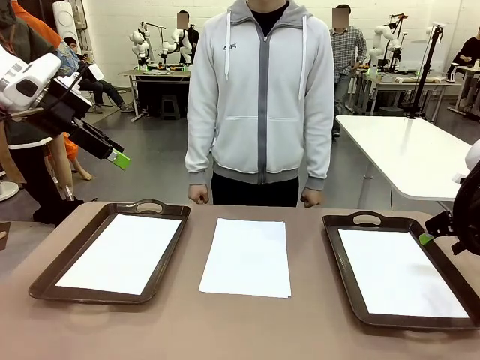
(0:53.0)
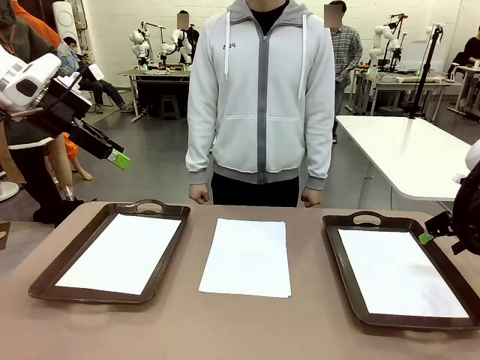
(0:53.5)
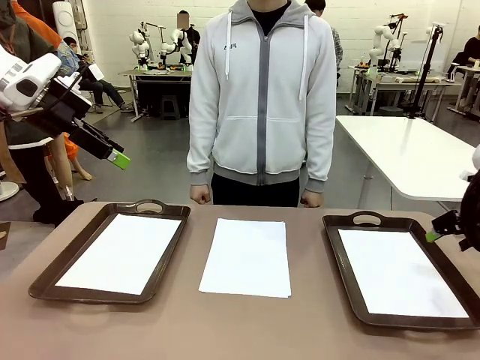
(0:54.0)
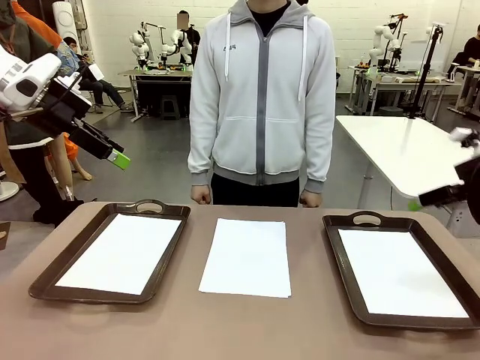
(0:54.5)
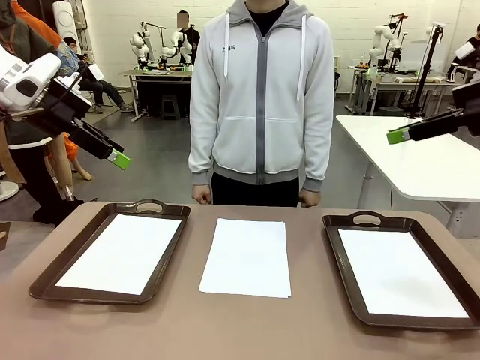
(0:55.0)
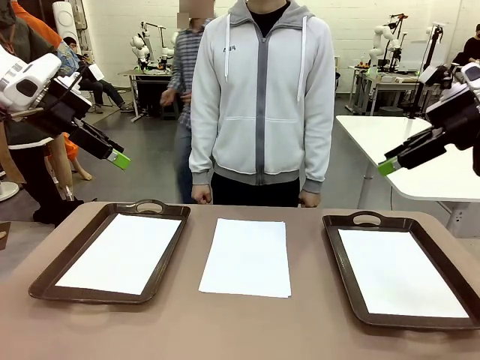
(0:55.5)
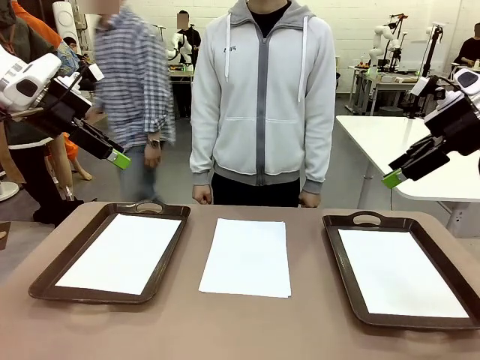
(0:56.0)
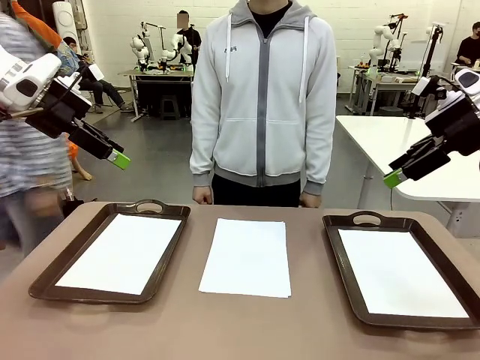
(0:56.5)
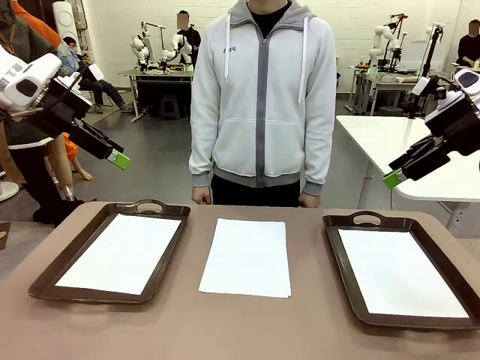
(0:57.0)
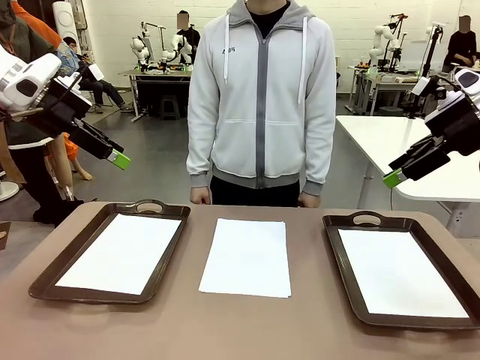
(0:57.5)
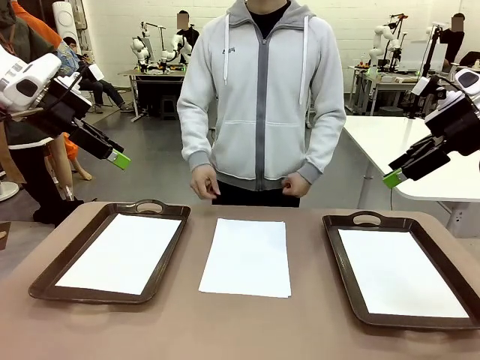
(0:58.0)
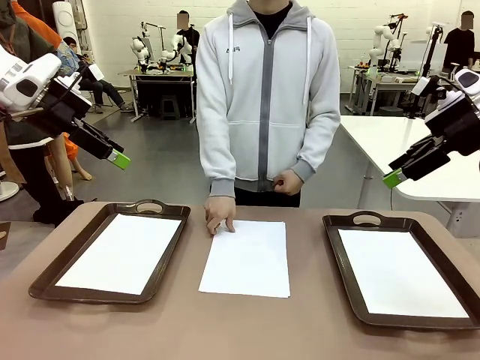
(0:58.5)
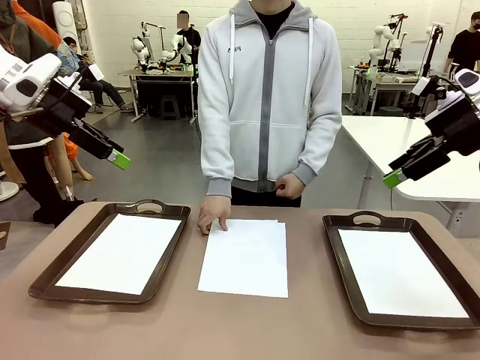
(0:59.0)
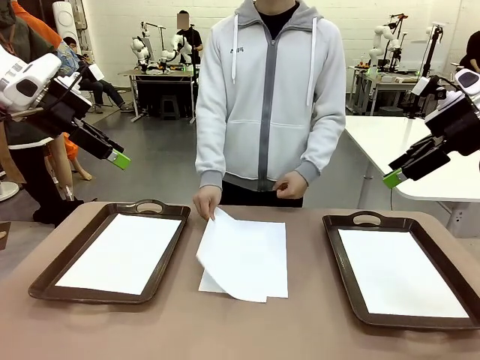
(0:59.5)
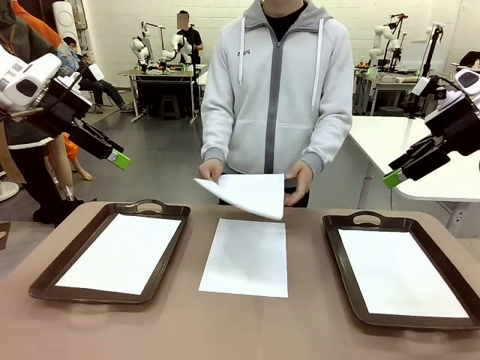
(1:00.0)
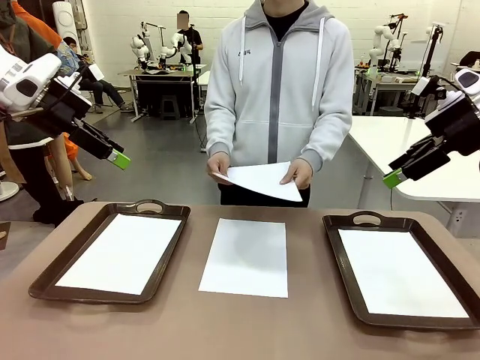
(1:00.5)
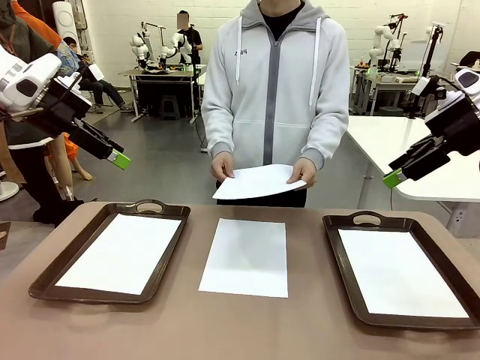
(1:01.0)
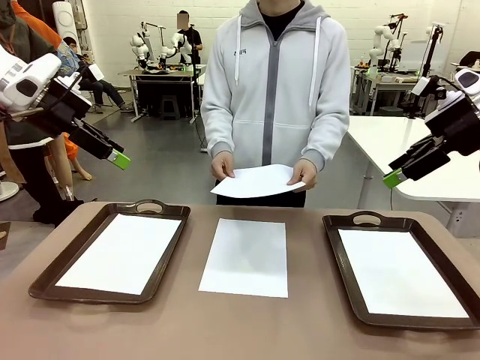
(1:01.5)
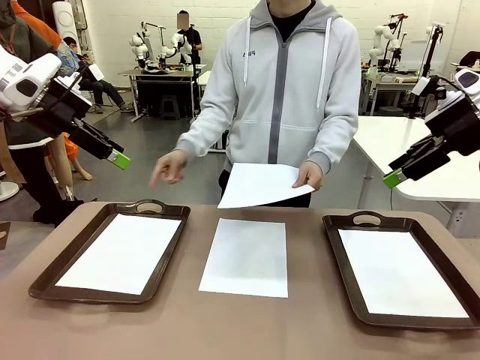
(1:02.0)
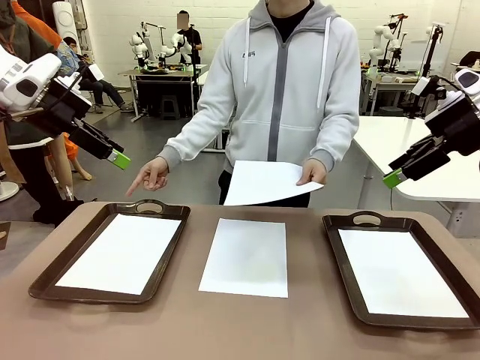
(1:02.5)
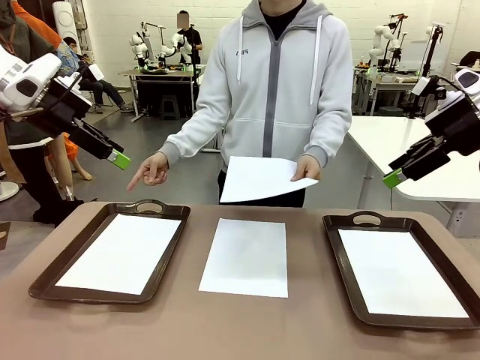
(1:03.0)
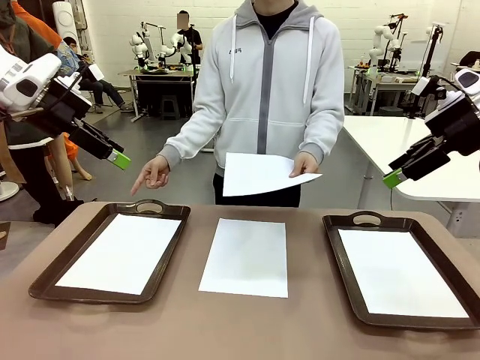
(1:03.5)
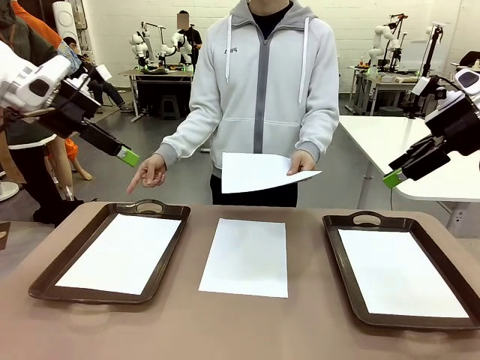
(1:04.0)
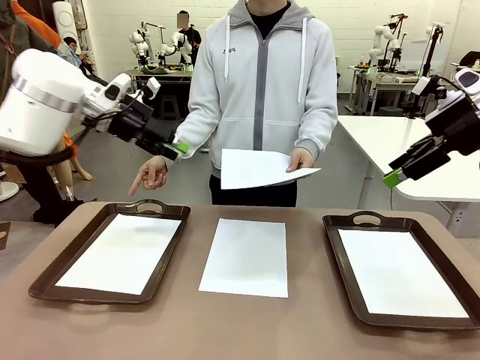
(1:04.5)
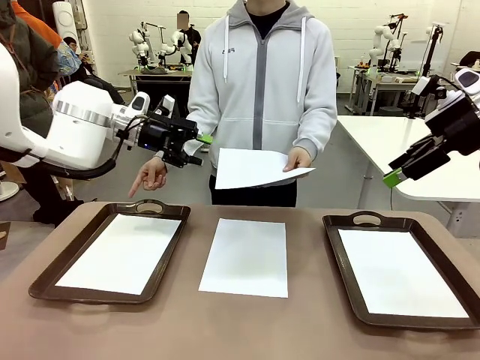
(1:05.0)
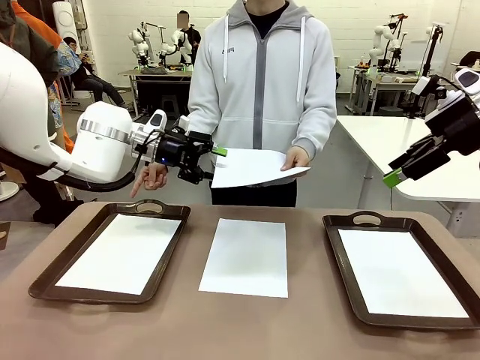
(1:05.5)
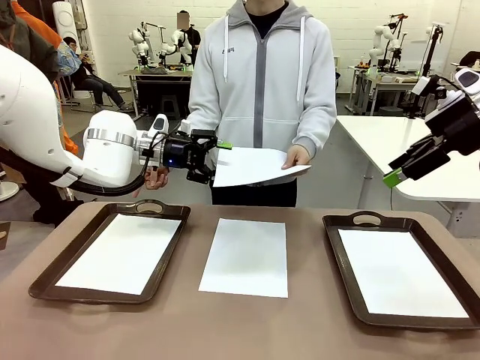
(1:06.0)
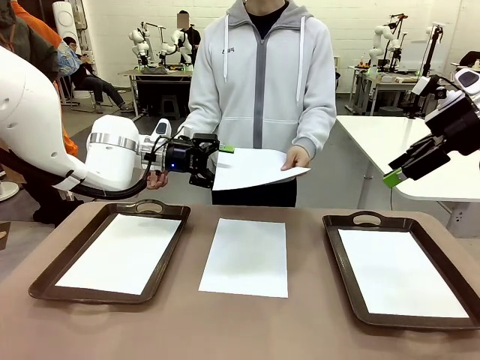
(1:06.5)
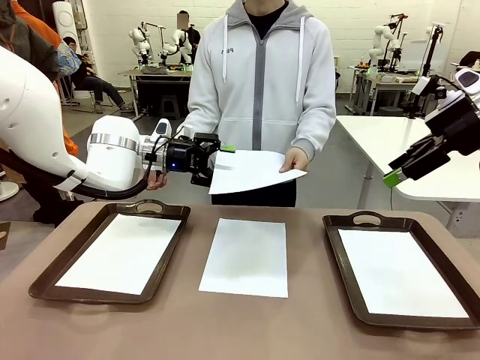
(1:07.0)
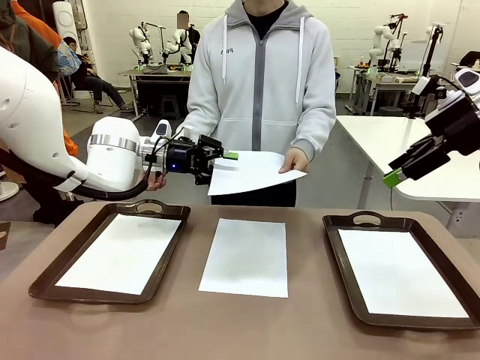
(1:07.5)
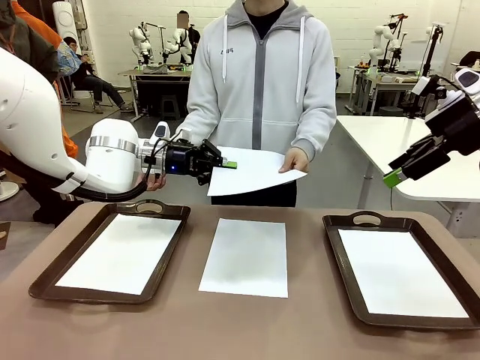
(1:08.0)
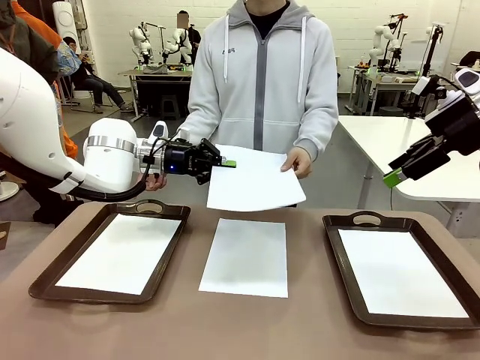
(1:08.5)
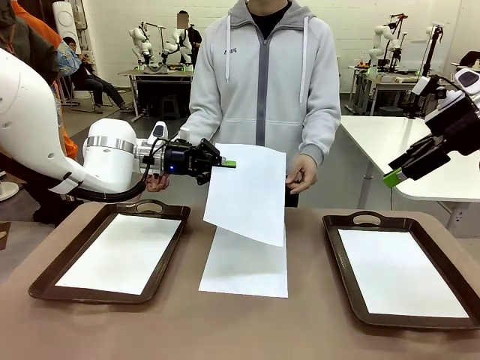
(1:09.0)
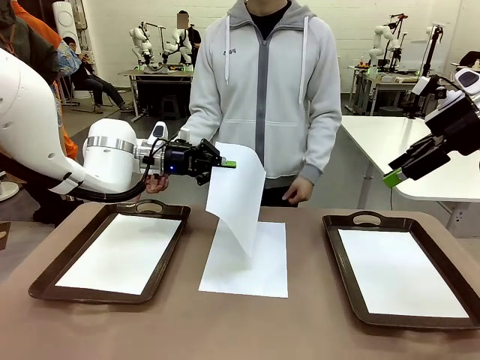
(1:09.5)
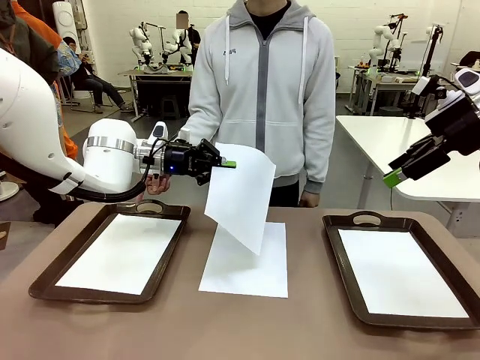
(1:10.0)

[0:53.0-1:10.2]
Task: Sort the A4 documents.
Robot: Receive the A4 Paper.
Person: Point the randomly selected tray with the other hand.

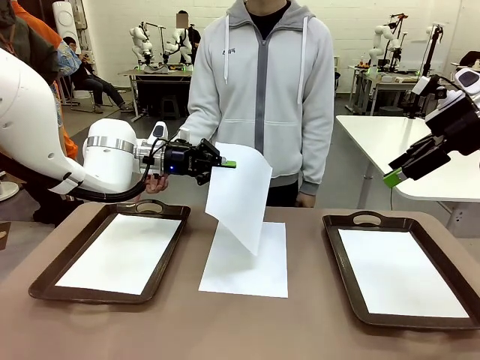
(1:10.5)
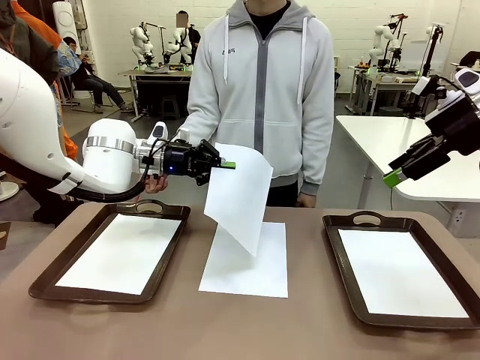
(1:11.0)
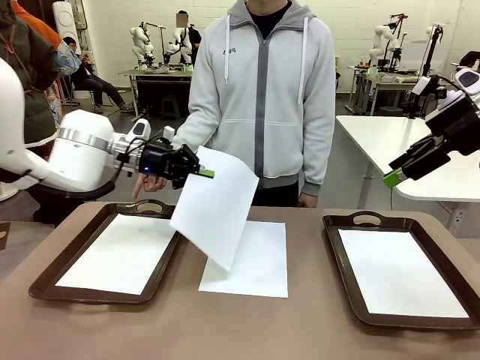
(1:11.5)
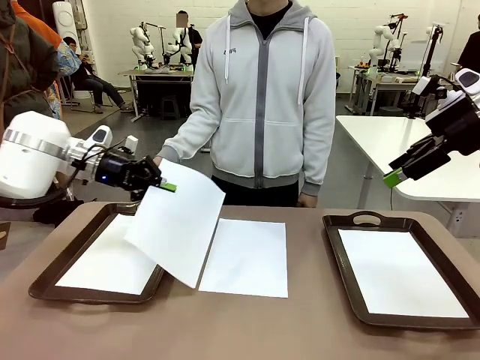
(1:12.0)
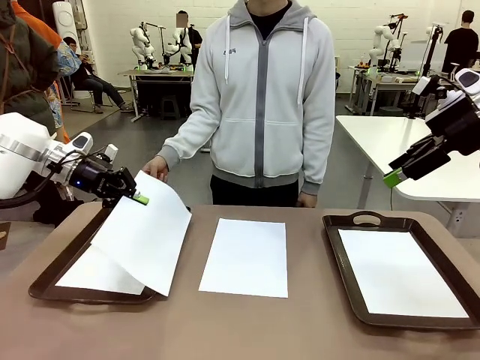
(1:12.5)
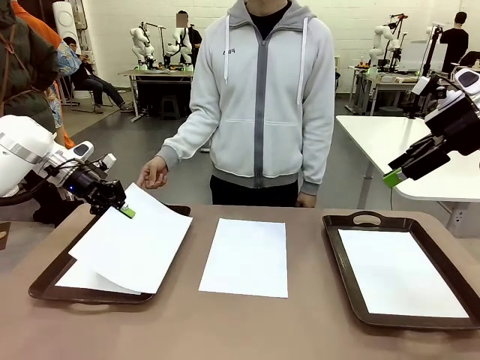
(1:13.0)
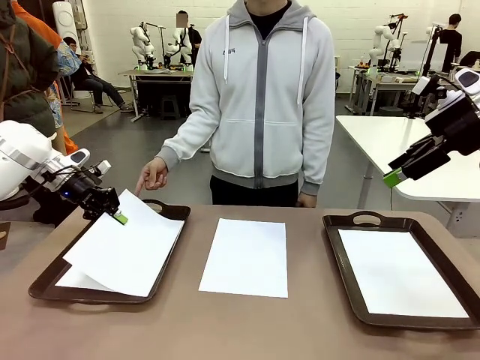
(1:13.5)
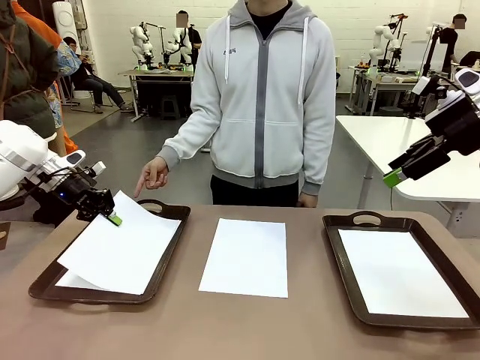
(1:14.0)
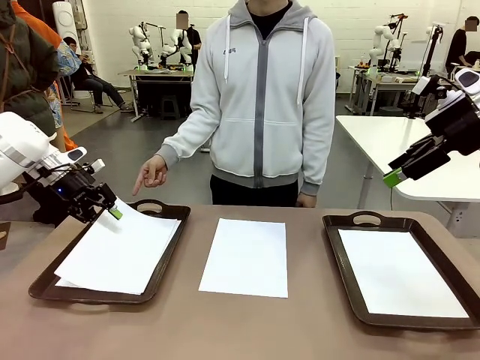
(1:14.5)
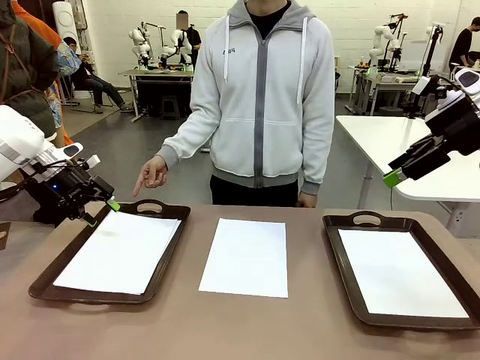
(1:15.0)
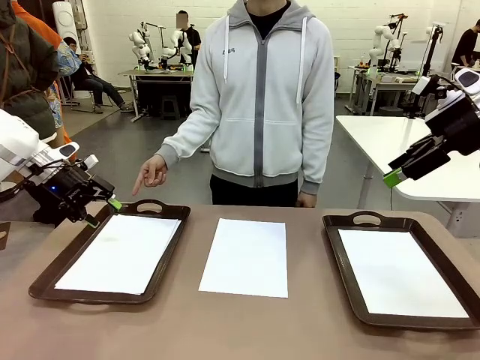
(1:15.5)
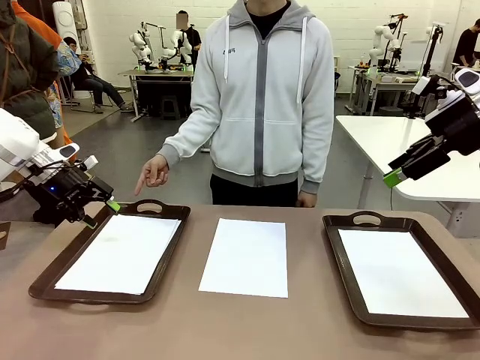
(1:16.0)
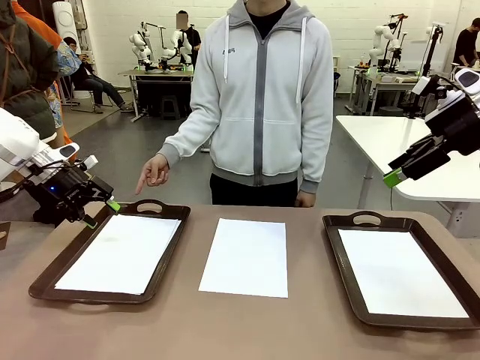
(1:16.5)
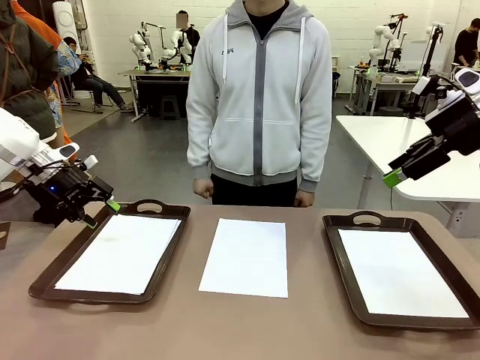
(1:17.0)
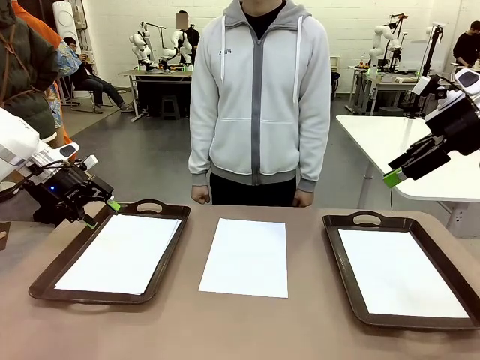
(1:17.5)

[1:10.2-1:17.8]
Robot: Place the A4 Paper in the designated Handle tray.
